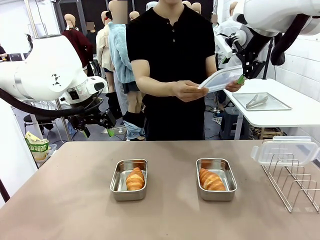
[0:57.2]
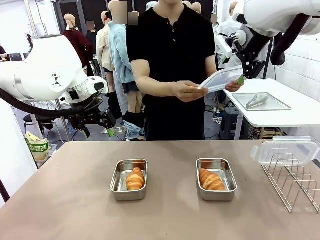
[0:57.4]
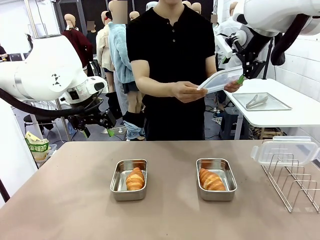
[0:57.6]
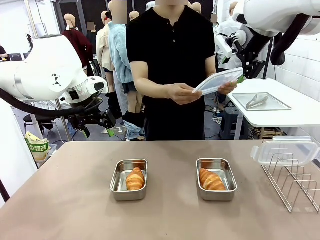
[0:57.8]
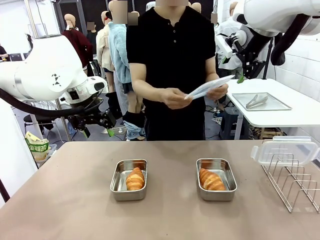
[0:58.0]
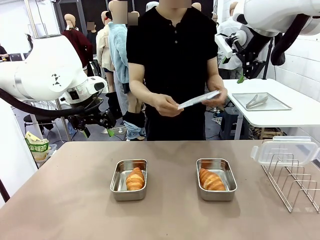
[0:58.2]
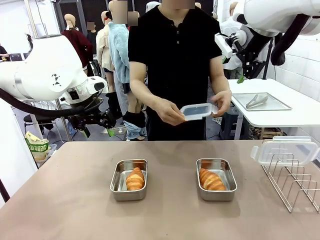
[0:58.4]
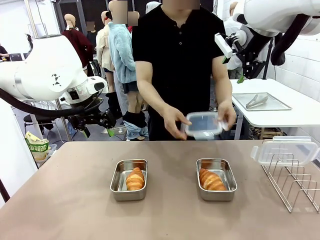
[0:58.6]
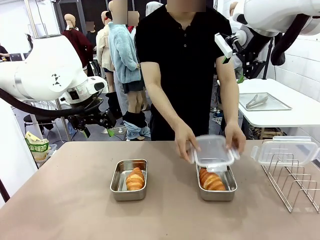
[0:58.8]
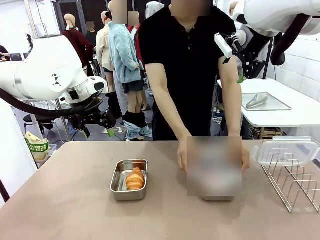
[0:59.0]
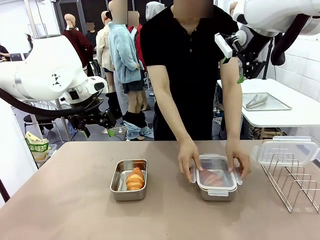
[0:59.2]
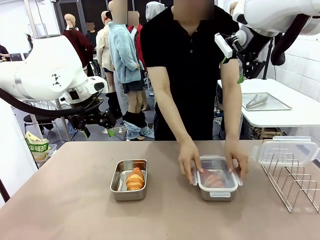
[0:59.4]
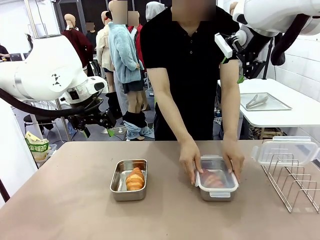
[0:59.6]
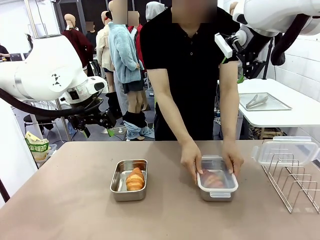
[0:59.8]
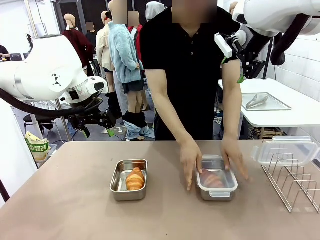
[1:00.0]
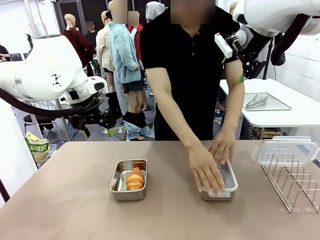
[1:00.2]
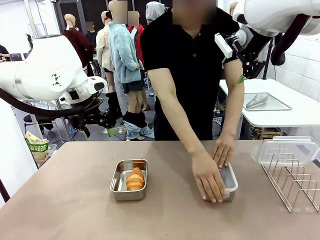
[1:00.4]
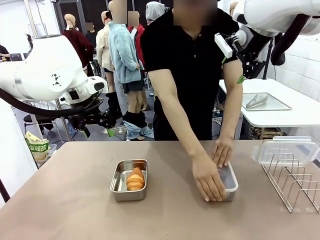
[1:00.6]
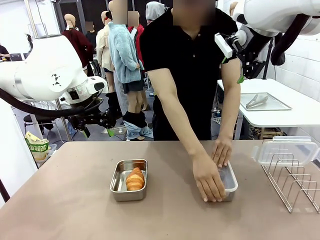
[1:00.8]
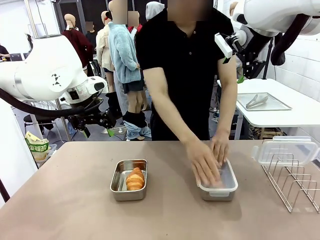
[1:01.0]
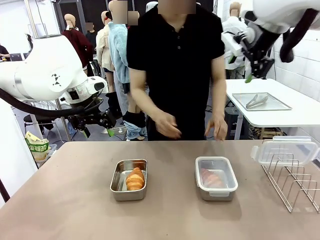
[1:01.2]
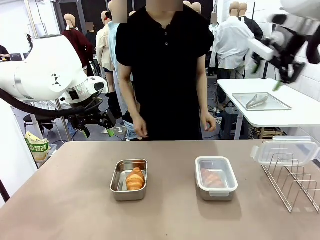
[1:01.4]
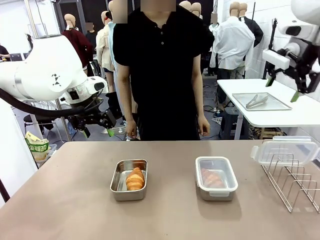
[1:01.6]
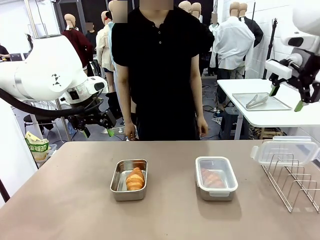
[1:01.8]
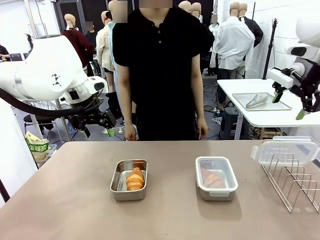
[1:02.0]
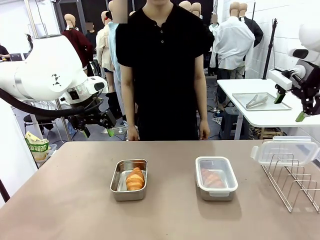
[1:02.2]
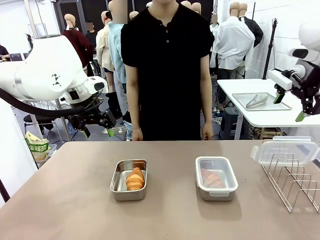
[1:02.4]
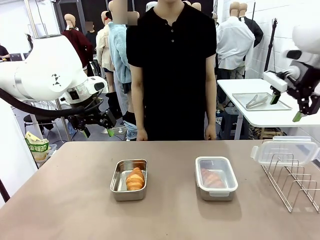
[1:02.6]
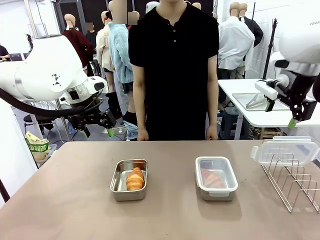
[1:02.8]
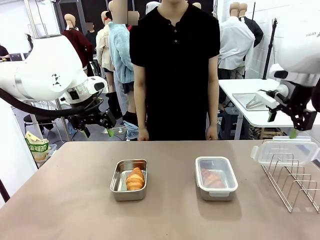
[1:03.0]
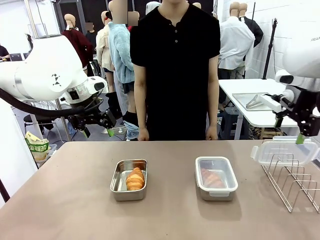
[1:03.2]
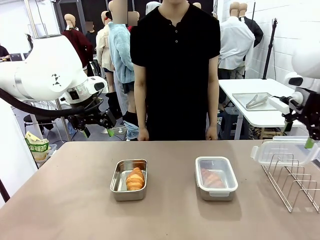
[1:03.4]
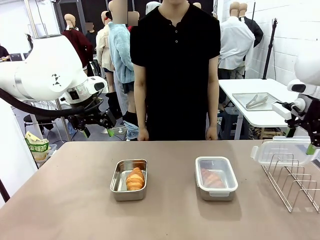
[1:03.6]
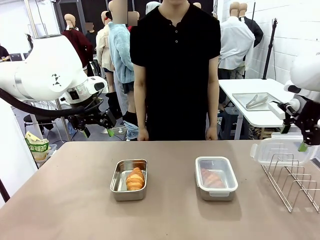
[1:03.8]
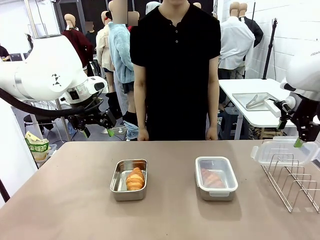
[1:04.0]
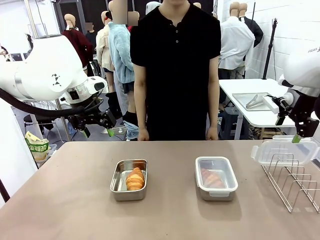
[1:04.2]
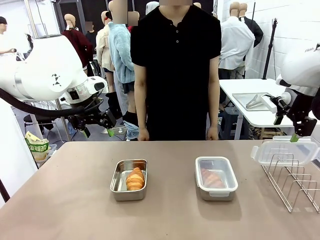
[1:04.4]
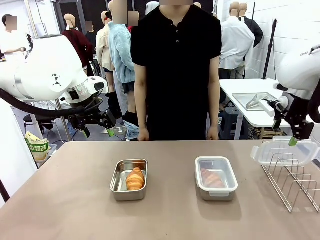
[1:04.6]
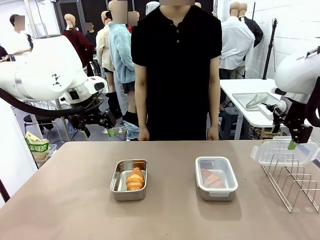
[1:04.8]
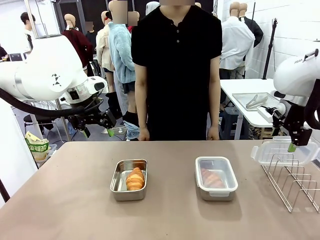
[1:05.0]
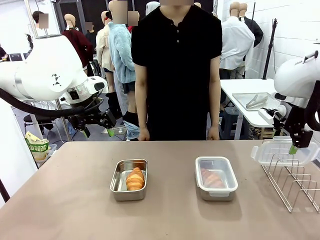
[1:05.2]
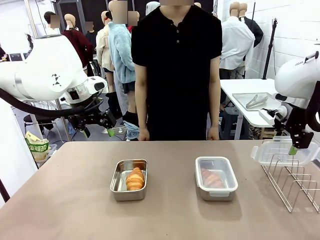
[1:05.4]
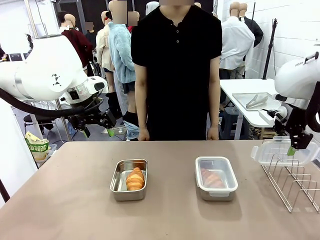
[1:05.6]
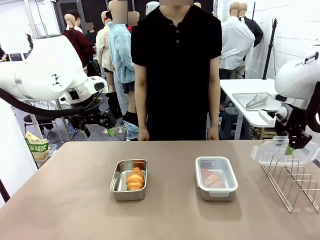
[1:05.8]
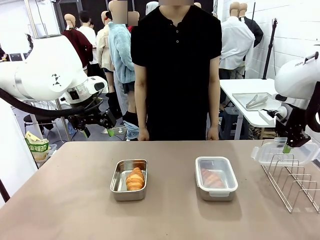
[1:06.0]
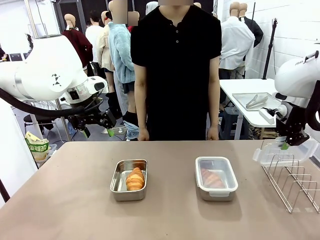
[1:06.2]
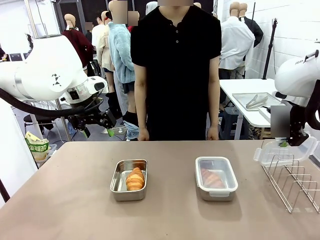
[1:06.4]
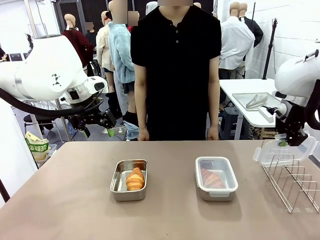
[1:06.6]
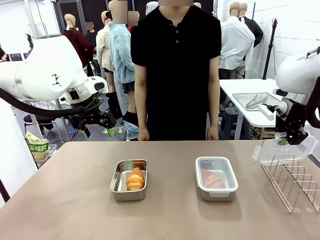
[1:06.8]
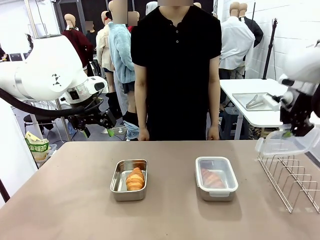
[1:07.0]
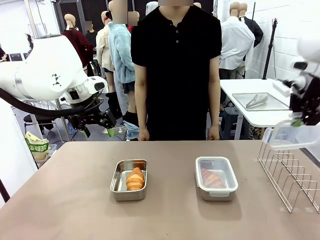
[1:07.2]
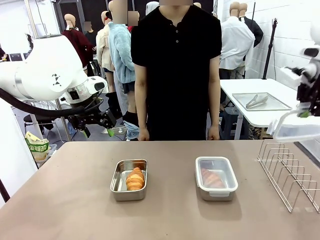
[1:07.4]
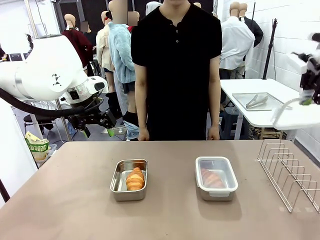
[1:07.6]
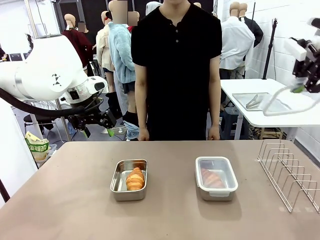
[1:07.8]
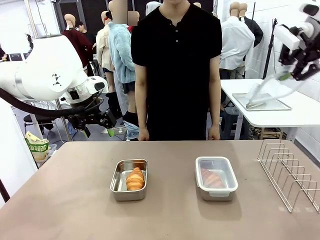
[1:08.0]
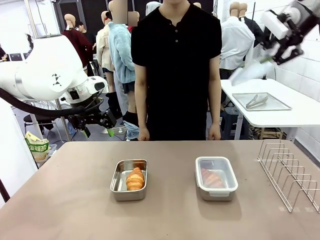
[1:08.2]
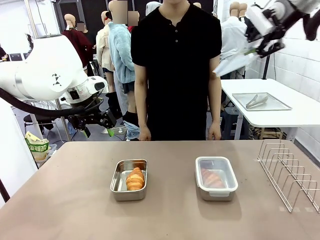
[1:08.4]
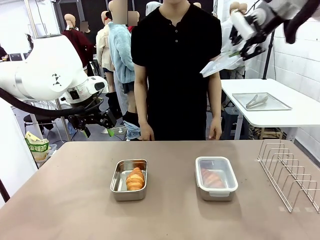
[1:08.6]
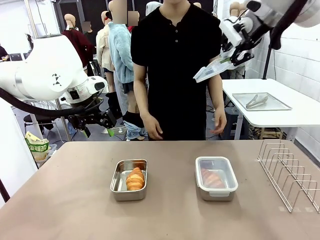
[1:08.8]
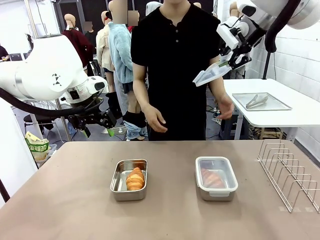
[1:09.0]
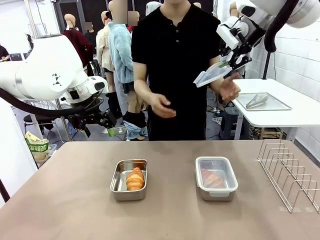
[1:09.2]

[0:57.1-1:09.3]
Task: Place the bread in airtight containers.
Robot: Pick up one Airtight Container lid and hand it to the human.
Person: Close Airtight Container with a handed Airtight Container lid. Grip Airtight Container lid that robot is handing.

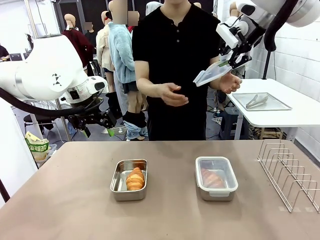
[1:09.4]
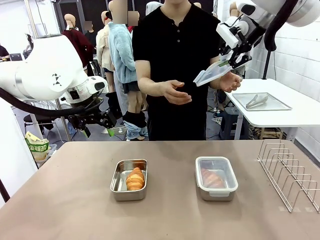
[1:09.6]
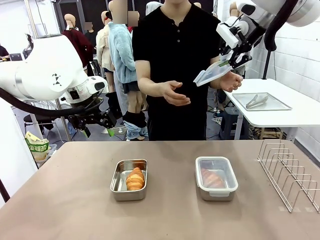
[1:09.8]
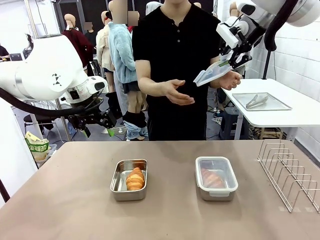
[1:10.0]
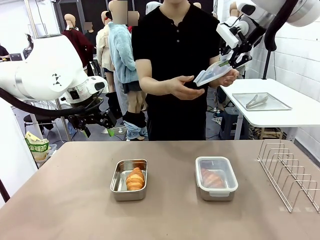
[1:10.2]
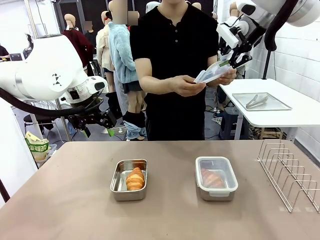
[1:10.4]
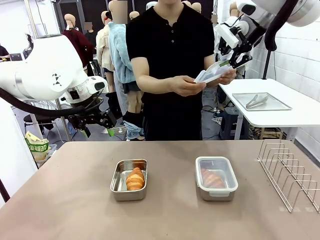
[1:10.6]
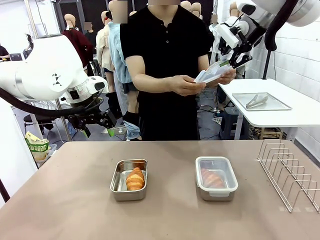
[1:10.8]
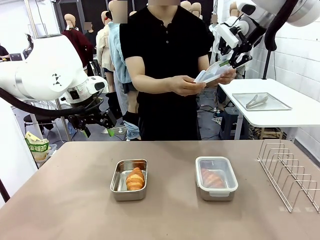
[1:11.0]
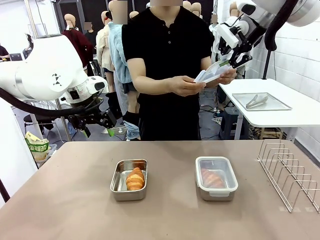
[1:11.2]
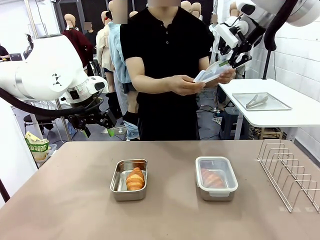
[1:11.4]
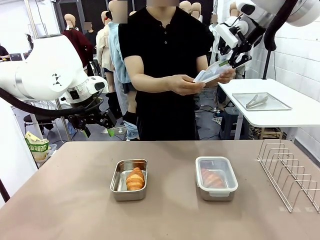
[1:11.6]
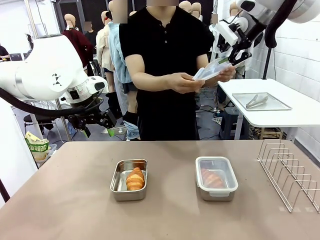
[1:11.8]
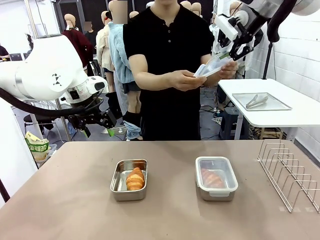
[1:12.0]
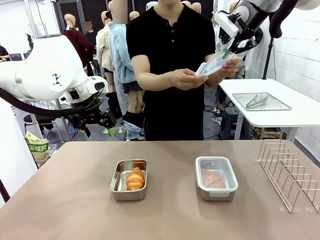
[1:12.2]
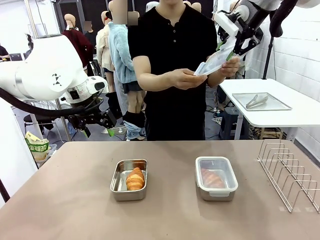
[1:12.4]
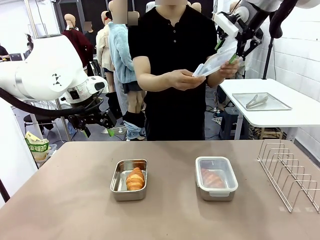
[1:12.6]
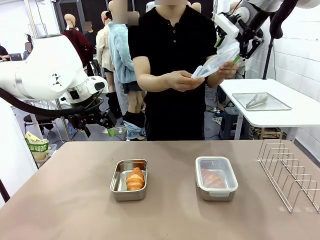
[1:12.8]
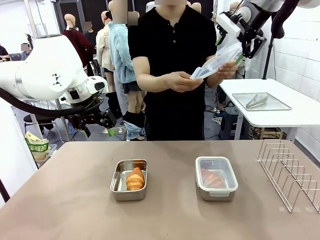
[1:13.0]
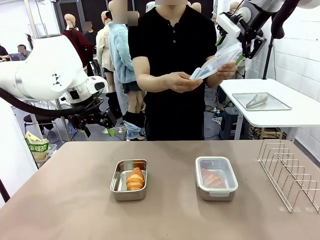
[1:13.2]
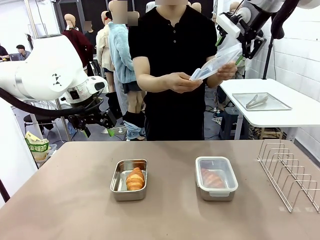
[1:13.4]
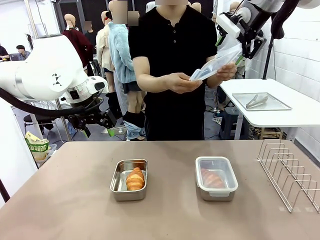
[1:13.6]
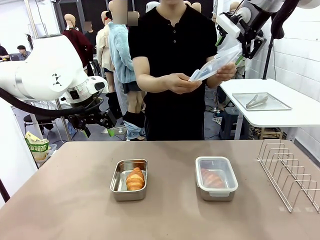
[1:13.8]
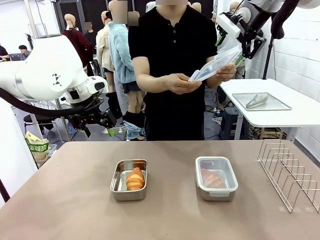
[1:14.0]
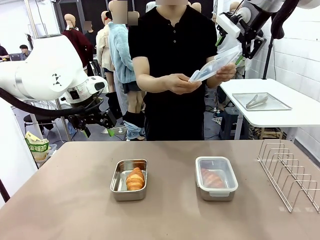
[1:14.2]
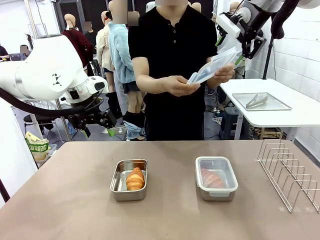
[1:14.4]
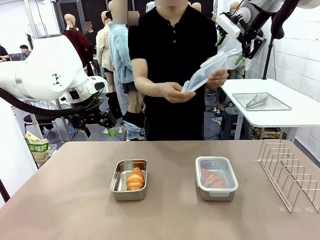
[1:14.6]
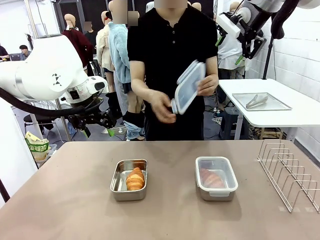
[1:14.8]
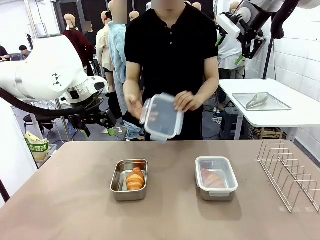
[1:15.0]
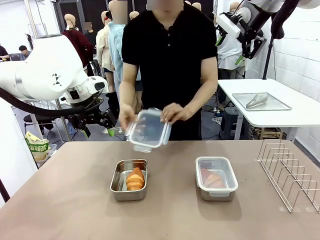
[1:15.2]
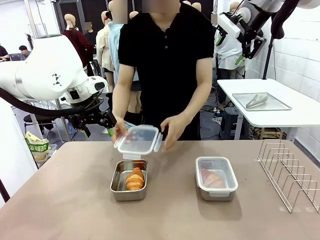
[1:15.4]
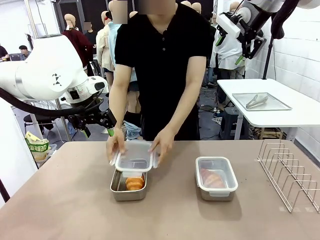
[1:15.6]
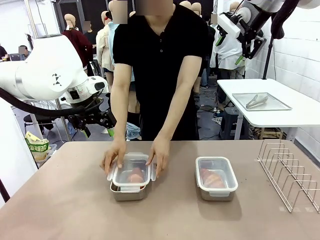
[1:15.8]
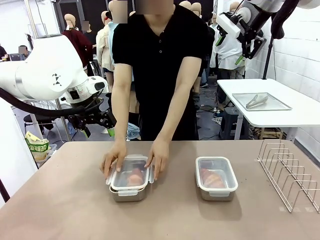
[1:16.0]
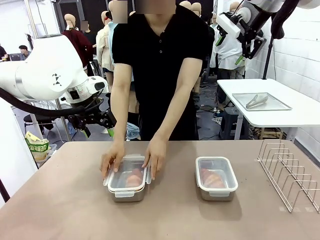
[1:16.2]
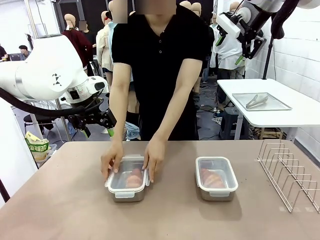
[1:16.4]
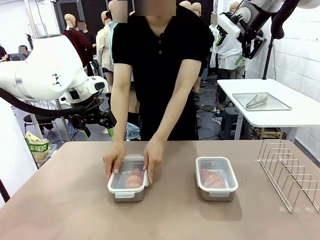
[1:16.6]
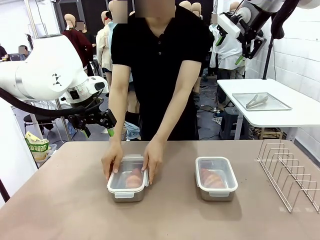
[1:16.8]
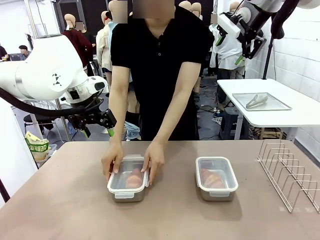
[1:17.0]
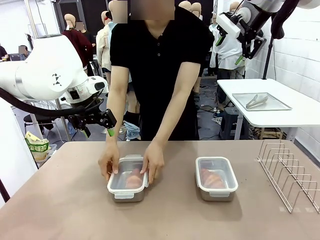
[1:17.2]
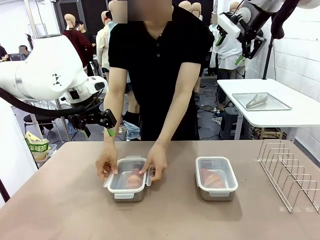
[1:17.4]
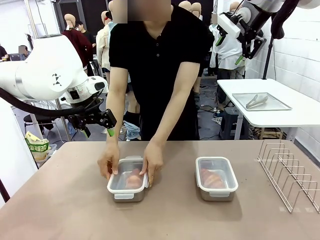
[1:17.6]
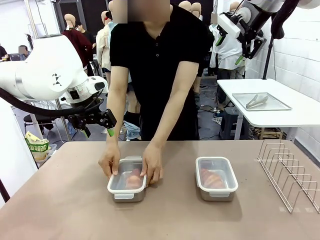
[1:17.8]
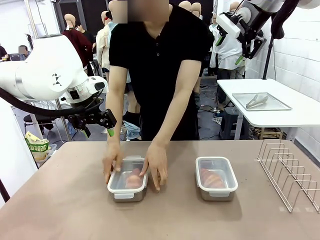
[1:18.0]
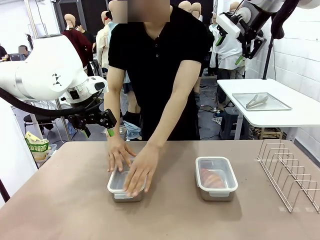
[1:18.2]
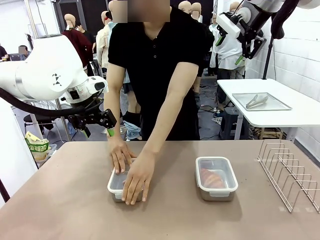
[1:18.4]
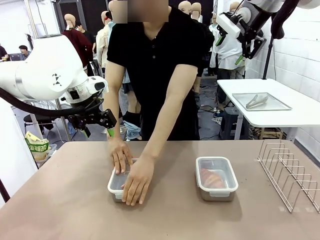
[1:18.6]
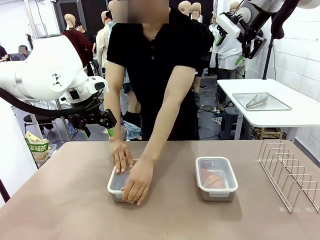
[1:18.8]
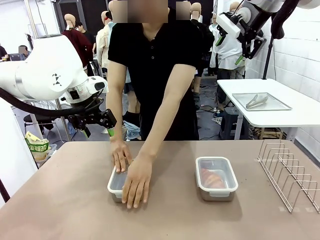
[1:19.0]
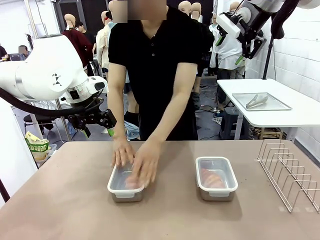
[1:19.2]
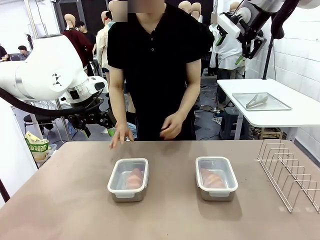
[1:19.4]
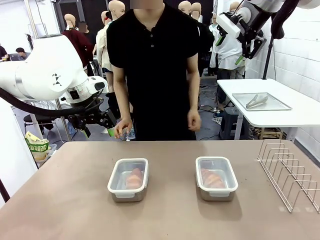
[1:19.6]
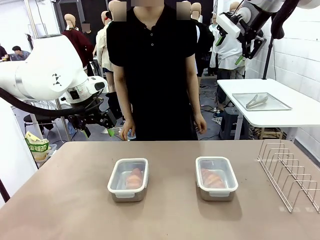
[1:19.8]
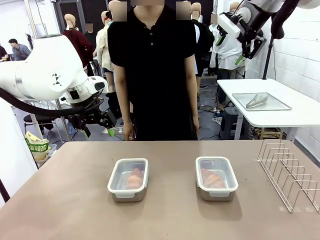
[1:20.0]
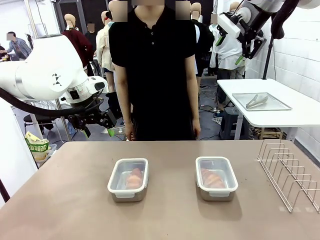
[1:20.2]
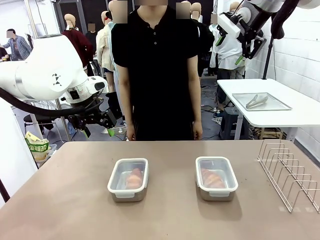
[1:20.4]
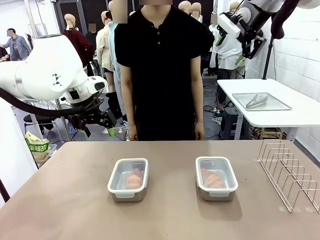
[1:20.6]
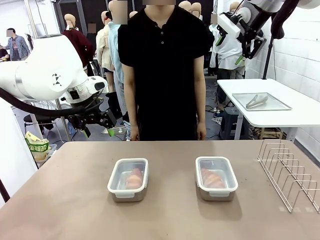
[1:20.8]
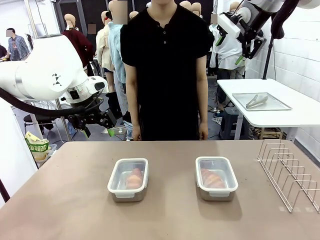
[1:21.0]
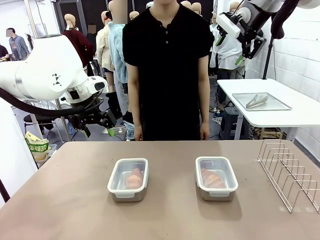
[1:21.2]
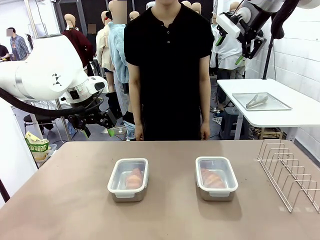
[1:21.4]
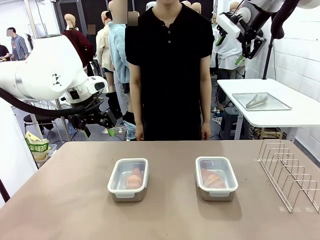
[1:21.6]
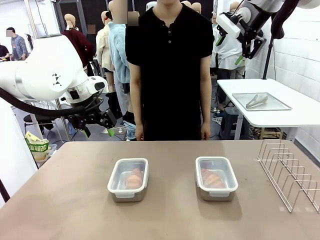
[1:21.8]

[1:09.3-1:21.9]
Robot: Release when the human grabs the Airtight Container lid.
Person: Close Airtight Container with a handed Airtight Container lid.
